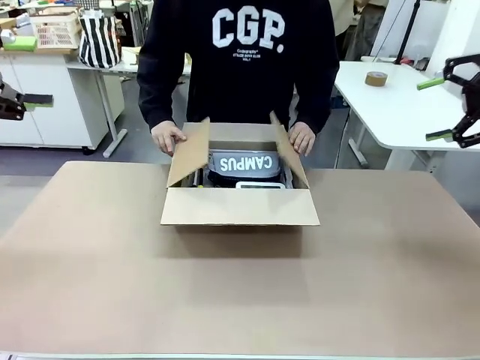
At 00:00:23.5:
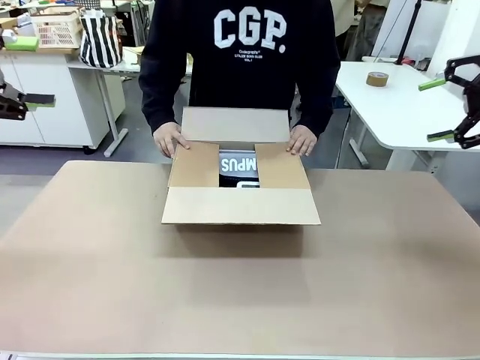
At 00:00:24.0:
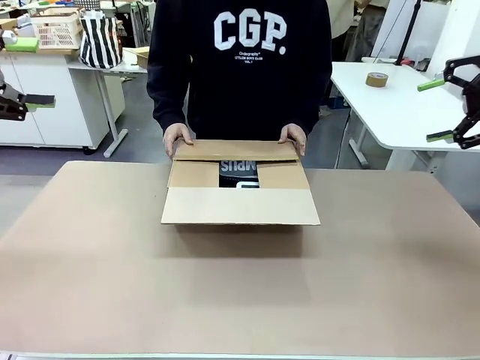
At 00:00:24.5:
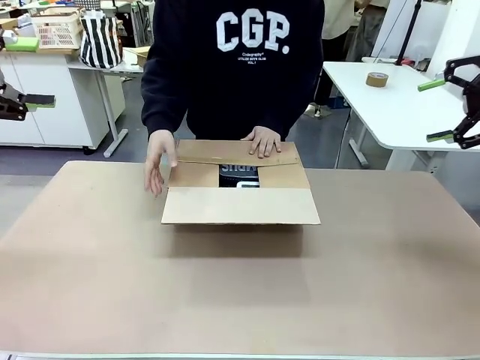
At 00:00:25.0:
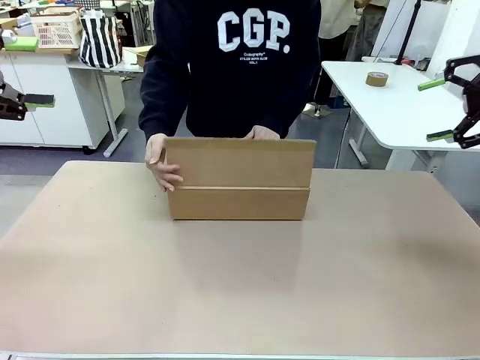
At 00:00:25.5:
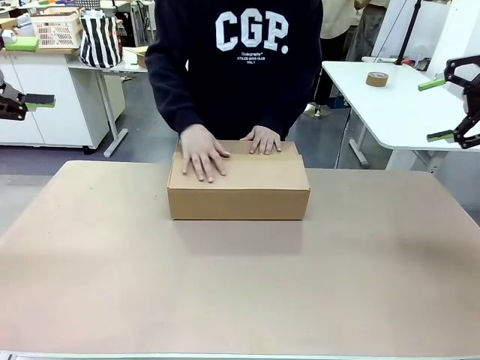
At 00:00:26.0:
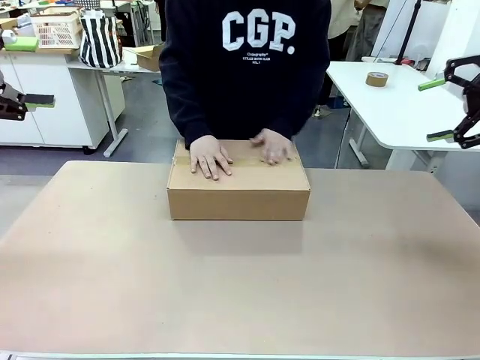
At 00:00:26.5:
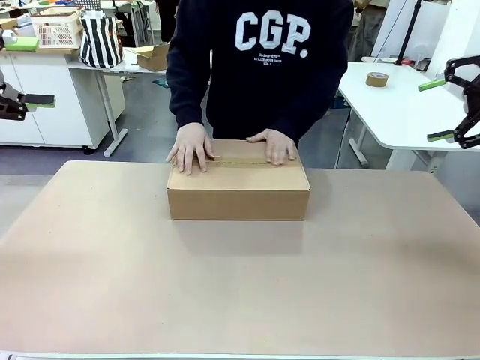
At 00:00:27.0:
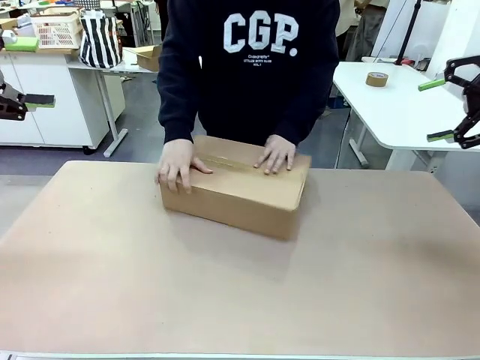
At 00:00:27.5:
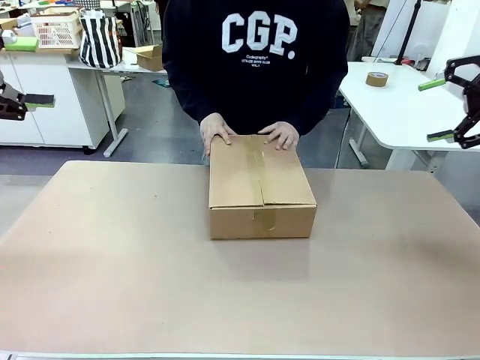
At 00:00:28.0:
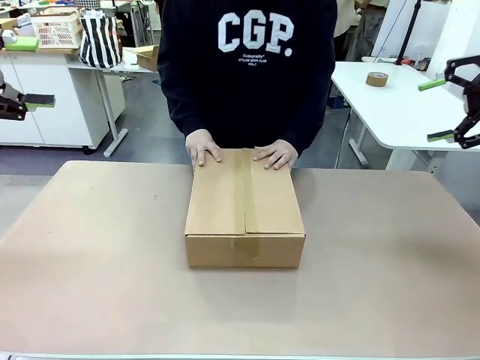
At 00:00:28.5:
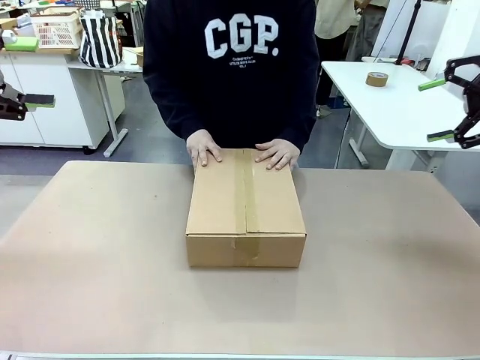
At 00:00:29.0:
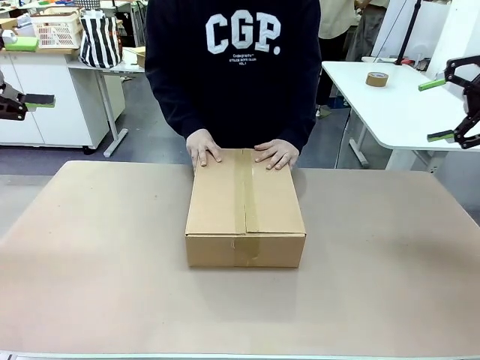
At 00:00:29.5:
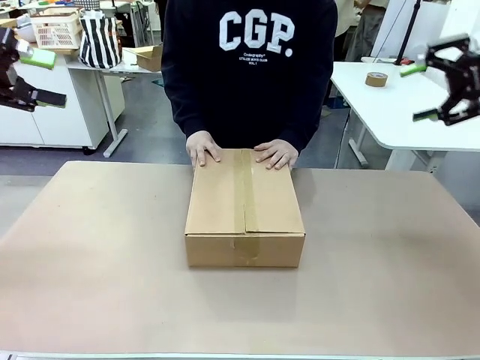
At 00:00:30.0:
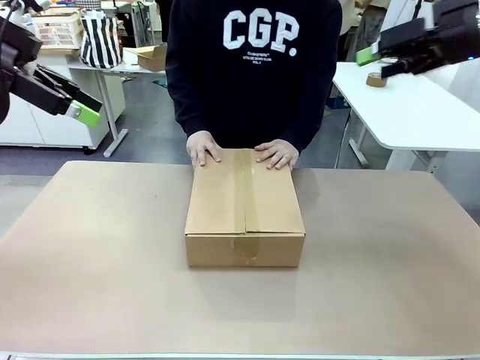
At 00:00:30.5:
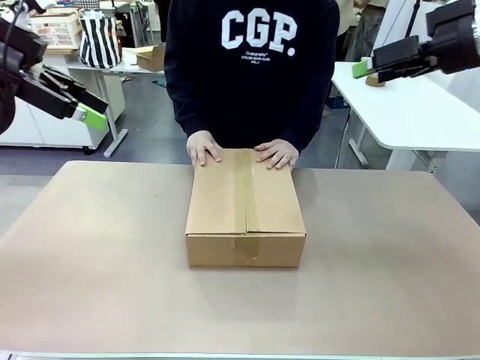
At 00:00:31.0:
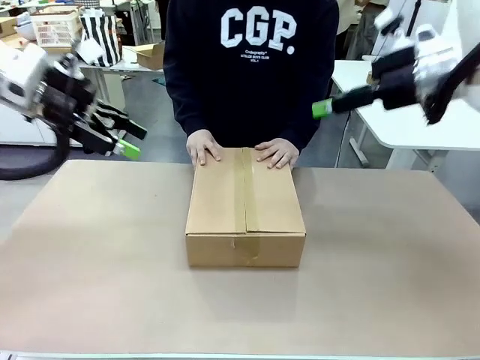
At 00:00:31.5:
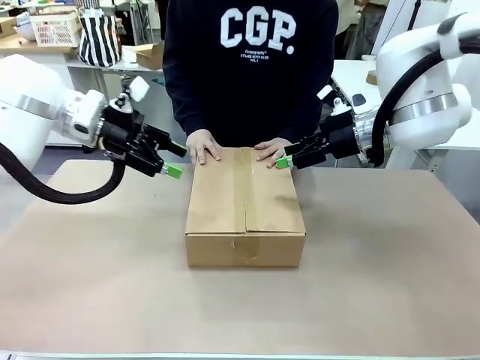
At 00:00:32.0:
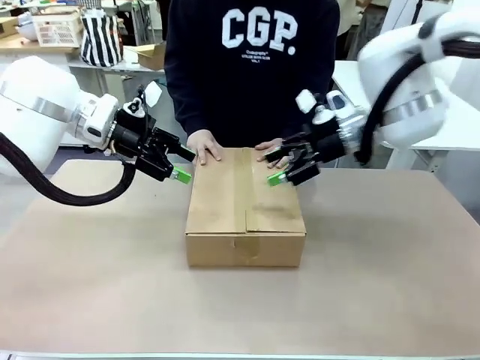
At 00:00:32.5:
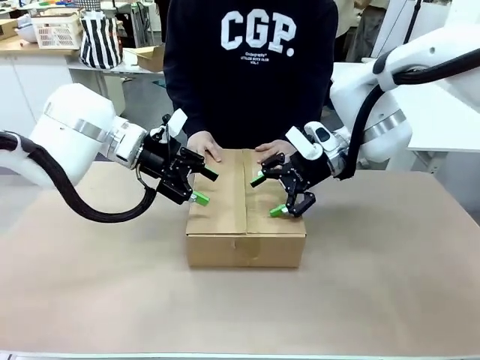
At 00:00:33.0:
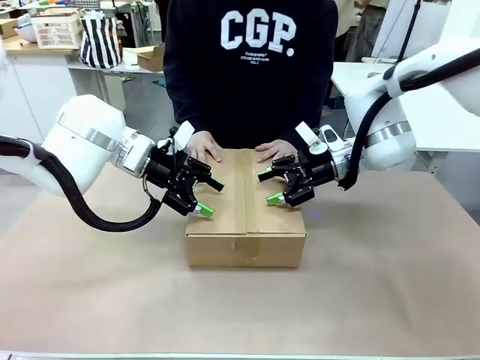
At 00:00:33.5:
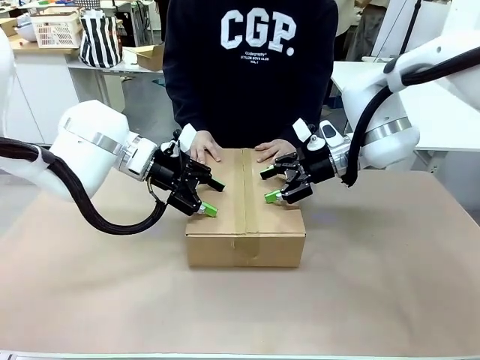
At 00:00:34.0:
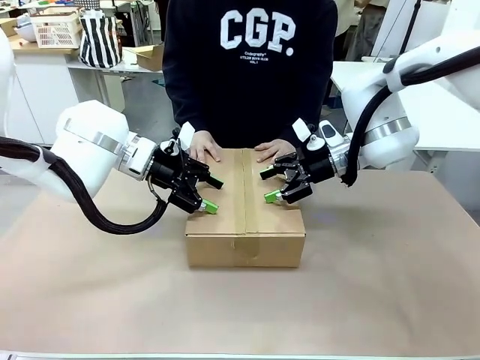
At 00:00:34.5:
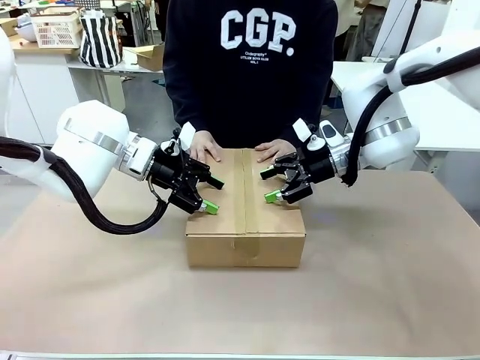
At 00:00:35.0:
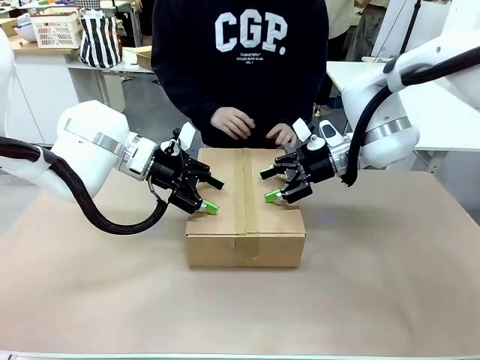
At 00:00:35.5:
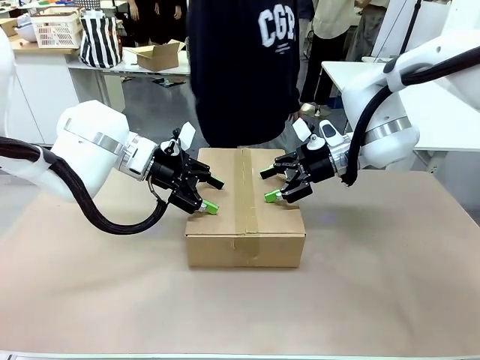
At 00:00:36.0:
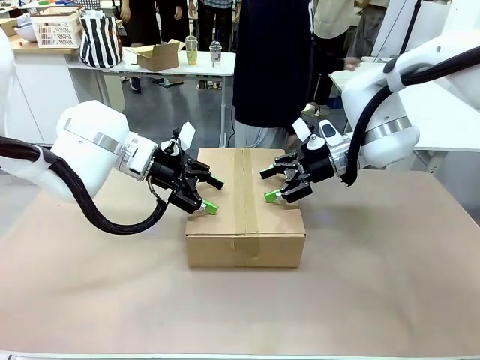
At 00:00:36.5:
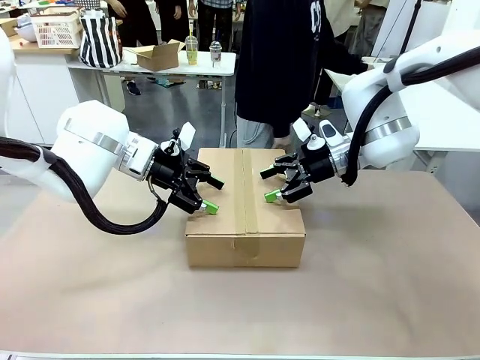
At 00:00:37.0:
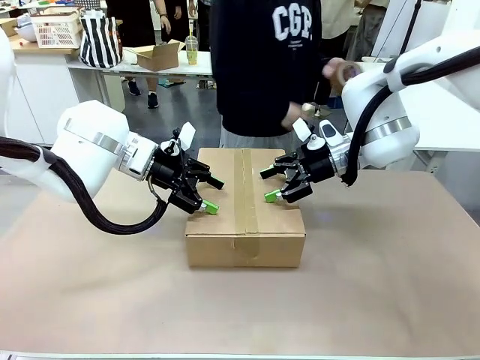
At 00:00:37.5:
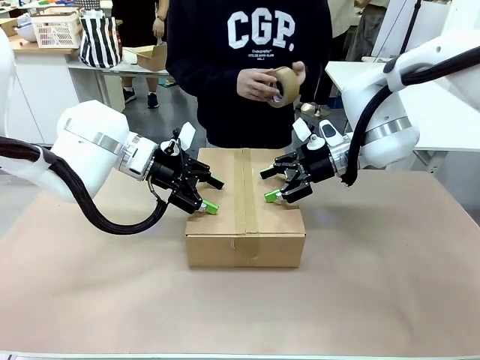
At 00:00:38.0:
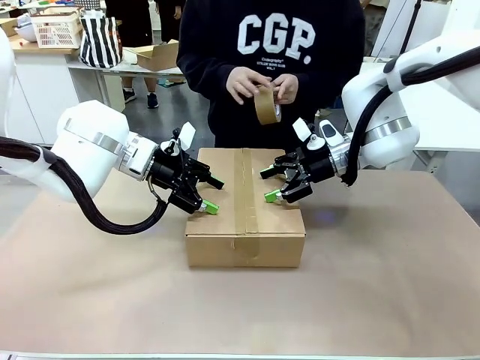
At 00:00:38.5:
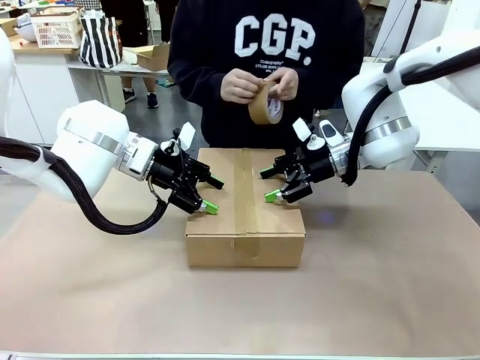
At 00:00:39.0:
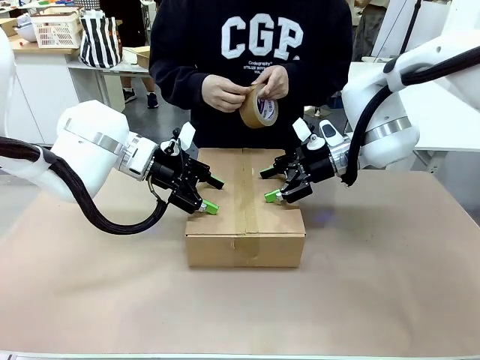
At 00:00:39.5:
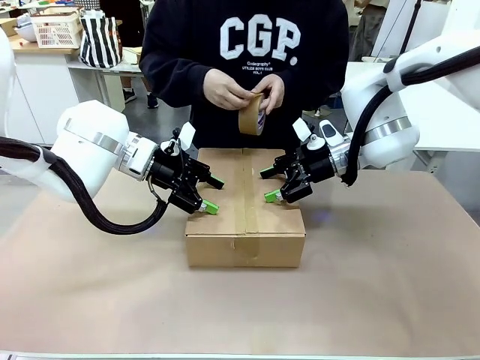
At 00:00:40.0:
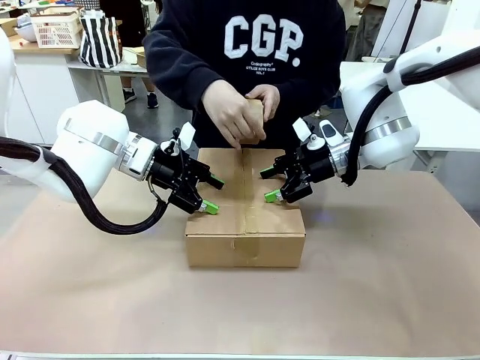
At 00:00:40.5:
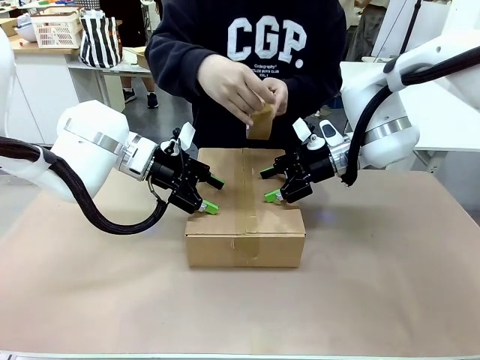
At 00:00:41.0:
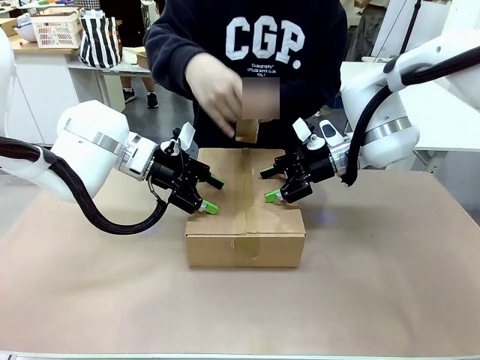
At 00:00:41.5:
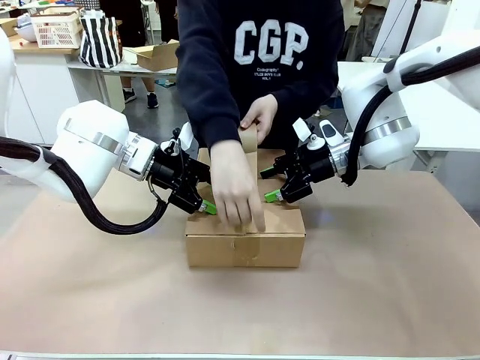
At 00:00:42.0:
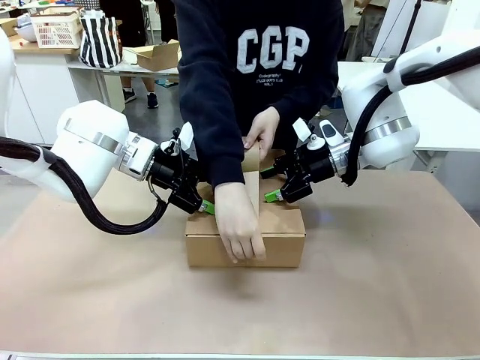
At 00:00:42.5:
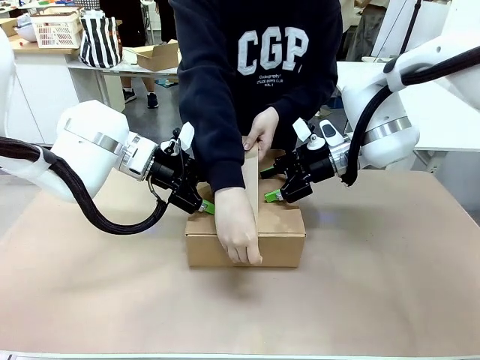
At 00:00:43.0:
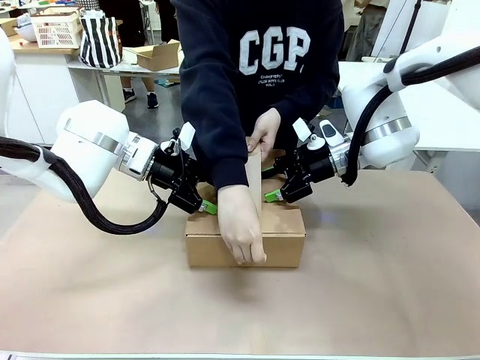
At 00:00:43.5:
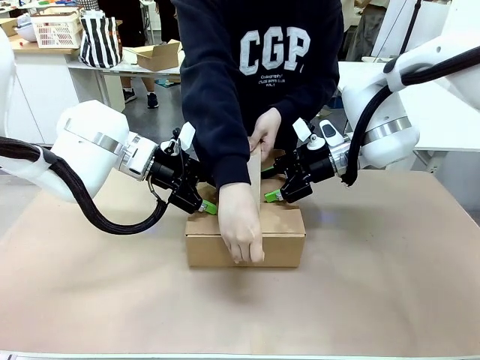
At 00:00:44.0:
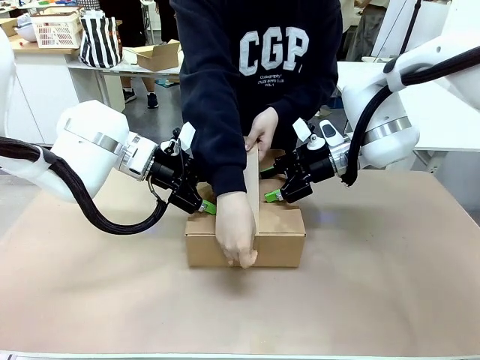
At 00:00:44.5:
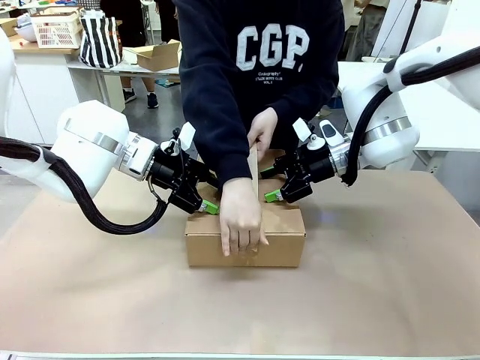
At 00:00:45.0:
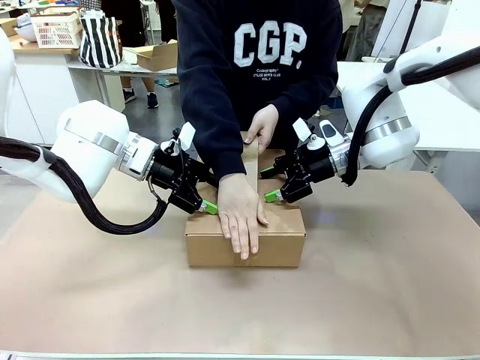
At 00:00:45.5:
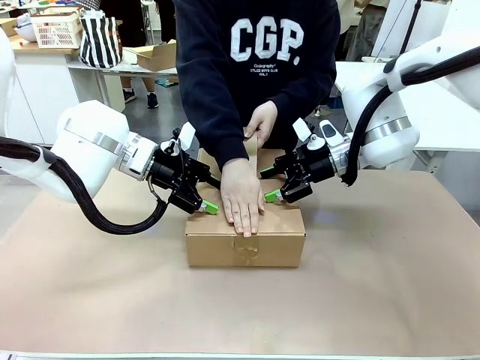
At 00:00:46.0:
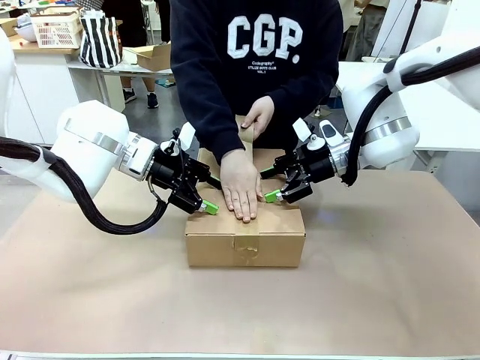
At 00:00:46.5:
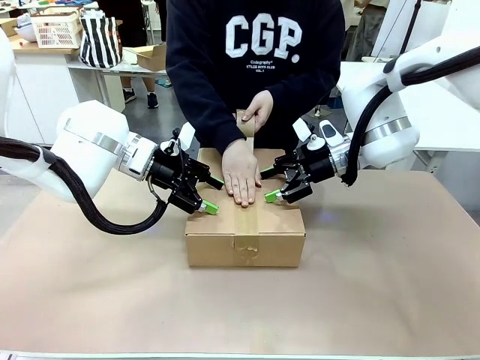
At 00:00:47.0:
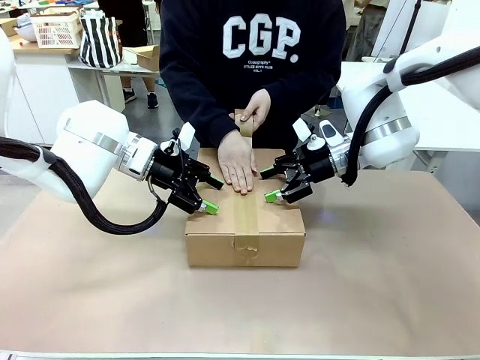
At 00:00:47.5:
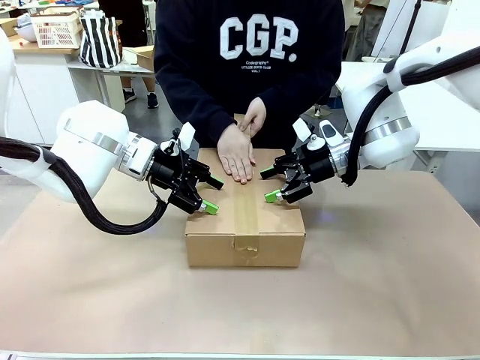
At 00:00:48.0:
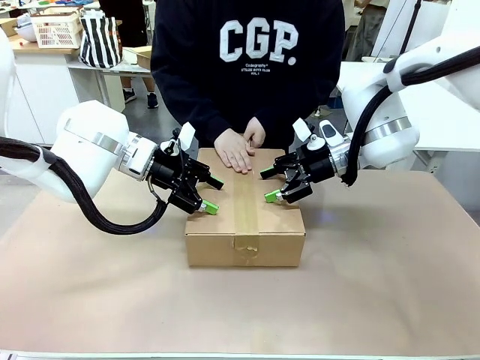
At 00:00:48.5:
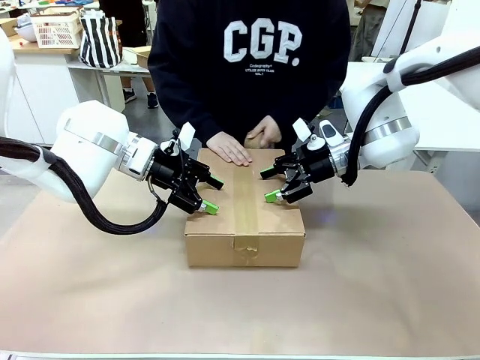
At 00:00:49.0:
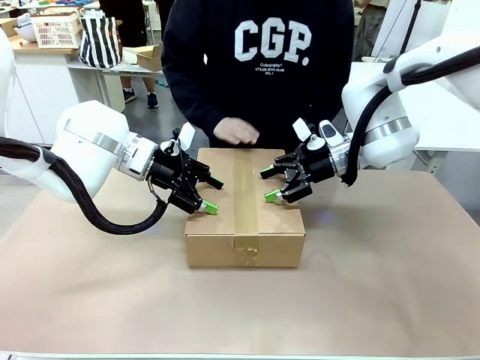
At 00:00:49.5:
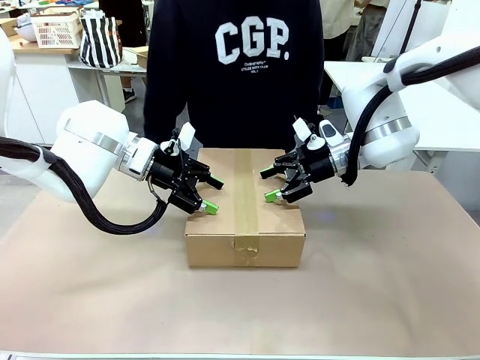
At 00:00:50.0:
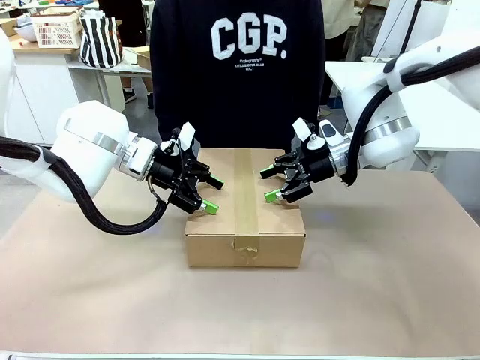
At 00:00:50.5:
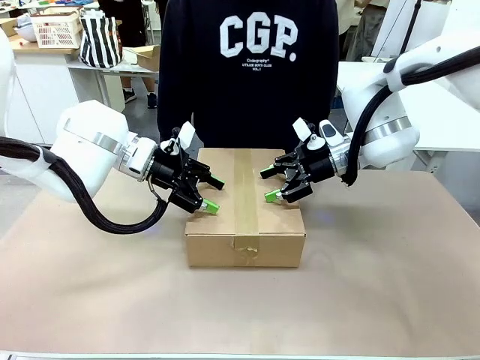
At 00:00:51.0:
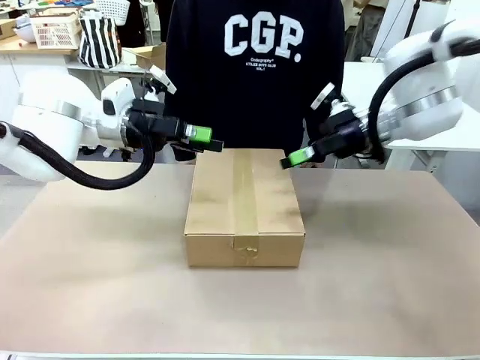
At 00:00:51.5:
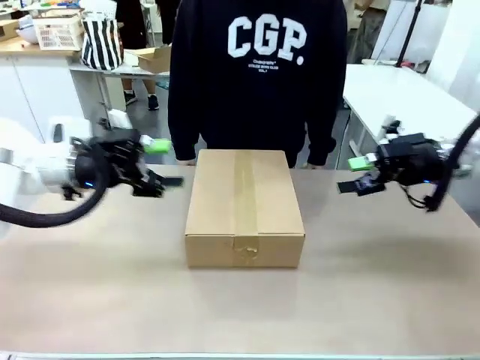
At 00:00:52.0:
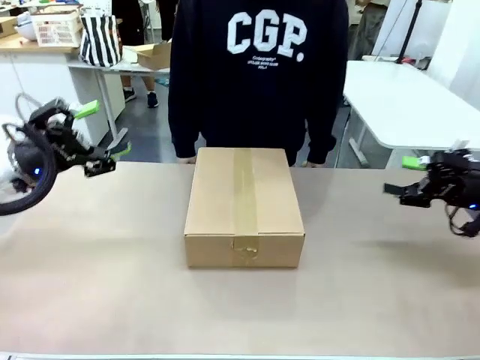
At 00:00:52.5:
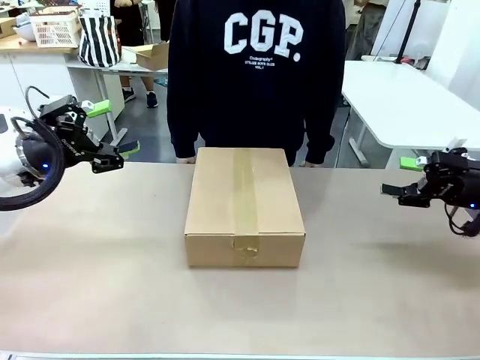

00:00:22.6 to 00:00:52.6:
Task: Pack the gift set into the box.
Robot: Press and hold the closed box until the human finishes sealing it.
Person: The human closes the box and rotates the box by 90 degrees. The human picks up the paper tape from the human table and packs the box.
